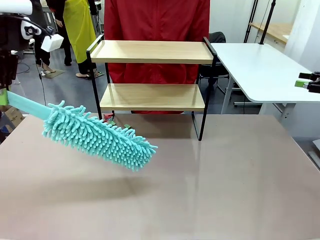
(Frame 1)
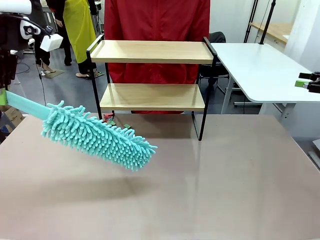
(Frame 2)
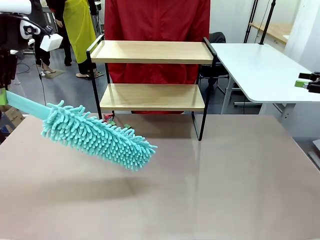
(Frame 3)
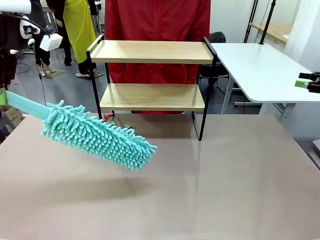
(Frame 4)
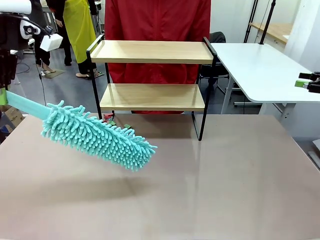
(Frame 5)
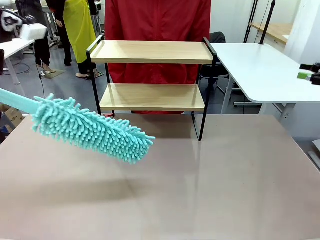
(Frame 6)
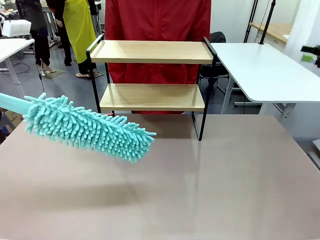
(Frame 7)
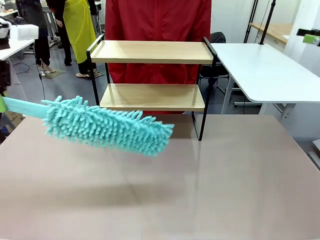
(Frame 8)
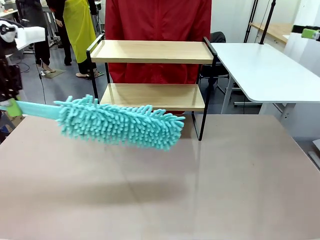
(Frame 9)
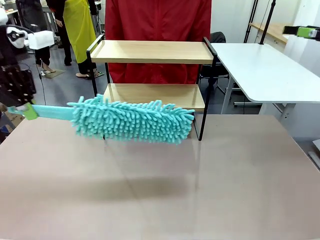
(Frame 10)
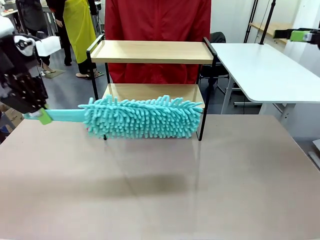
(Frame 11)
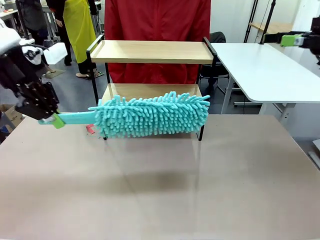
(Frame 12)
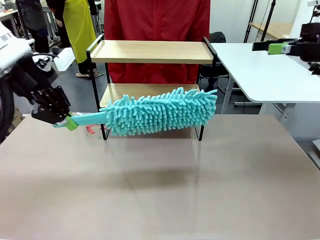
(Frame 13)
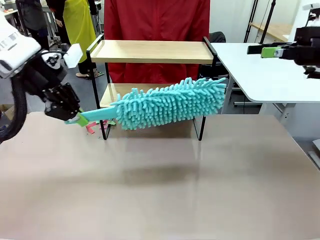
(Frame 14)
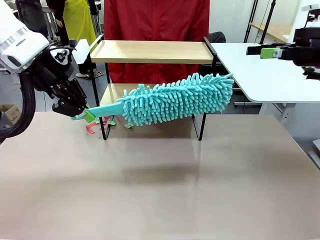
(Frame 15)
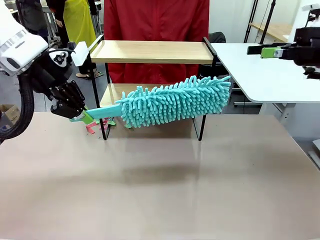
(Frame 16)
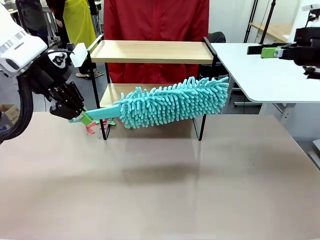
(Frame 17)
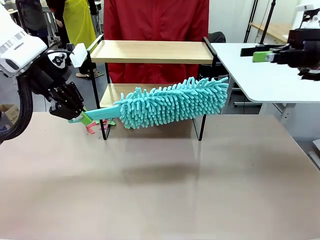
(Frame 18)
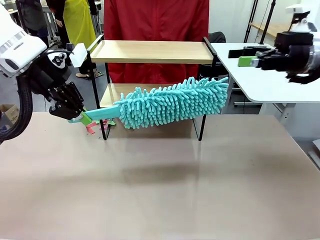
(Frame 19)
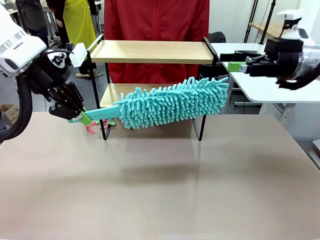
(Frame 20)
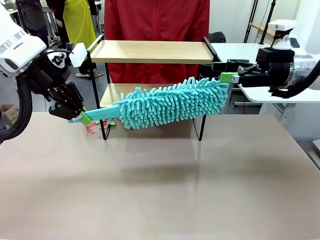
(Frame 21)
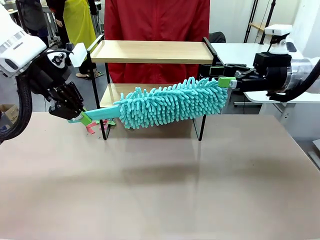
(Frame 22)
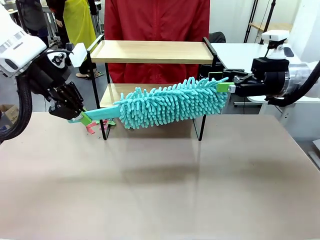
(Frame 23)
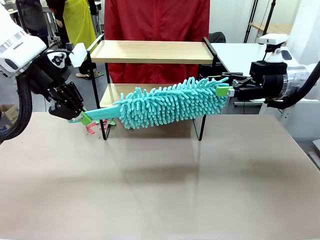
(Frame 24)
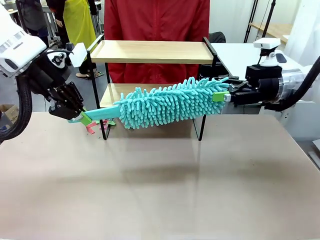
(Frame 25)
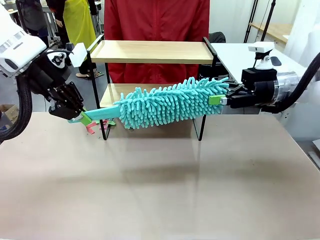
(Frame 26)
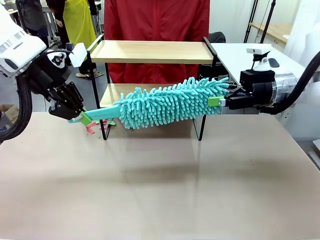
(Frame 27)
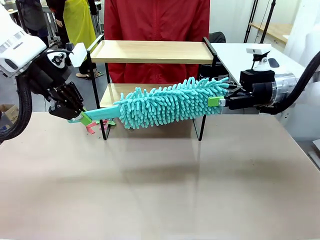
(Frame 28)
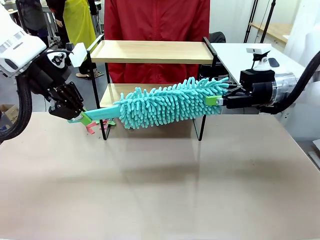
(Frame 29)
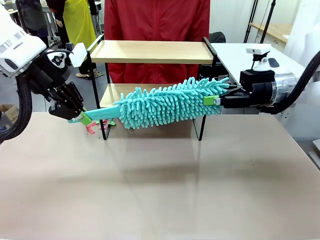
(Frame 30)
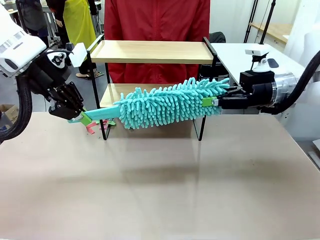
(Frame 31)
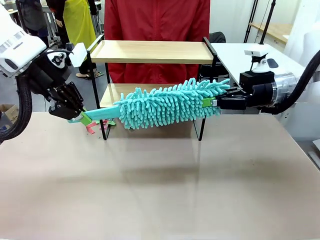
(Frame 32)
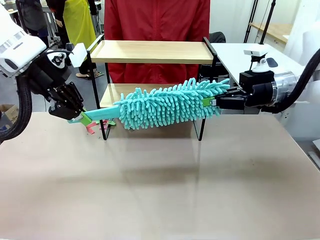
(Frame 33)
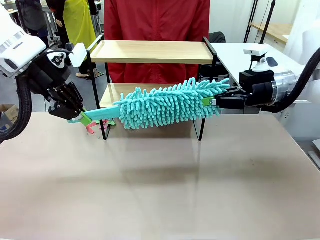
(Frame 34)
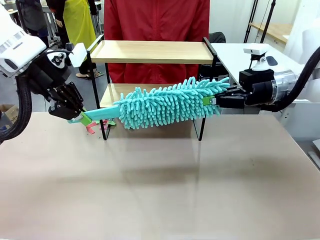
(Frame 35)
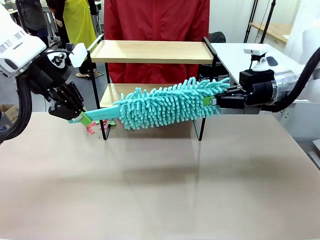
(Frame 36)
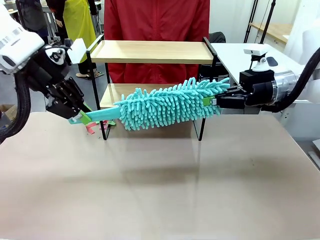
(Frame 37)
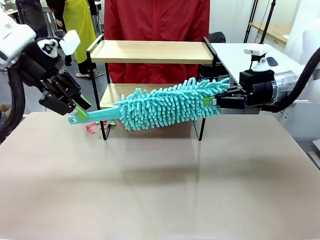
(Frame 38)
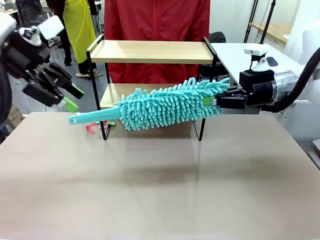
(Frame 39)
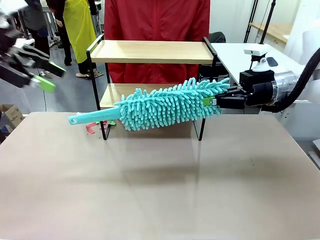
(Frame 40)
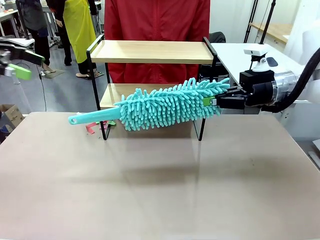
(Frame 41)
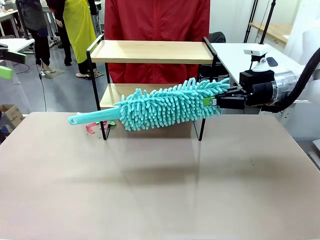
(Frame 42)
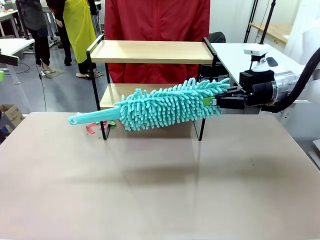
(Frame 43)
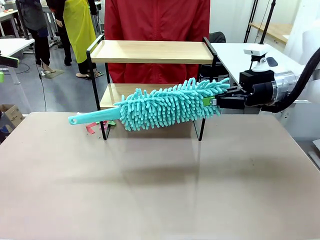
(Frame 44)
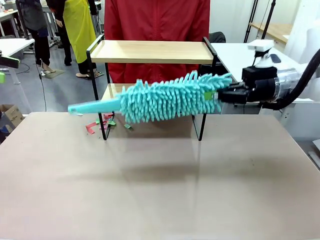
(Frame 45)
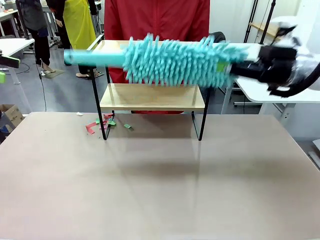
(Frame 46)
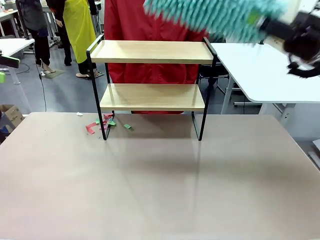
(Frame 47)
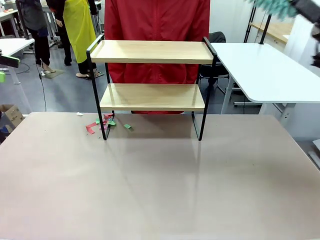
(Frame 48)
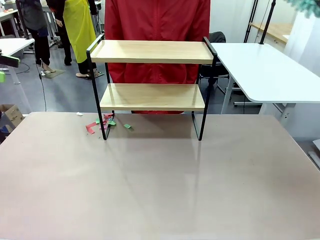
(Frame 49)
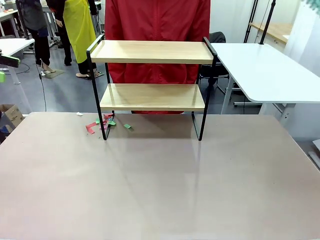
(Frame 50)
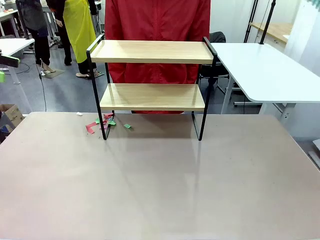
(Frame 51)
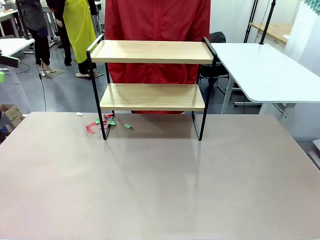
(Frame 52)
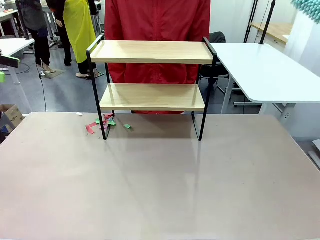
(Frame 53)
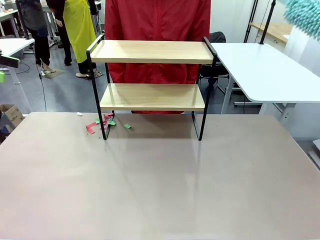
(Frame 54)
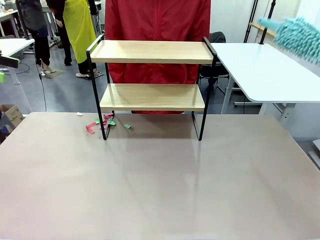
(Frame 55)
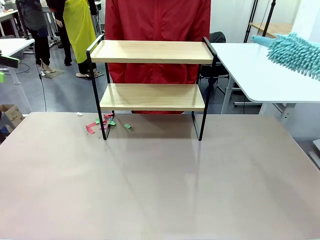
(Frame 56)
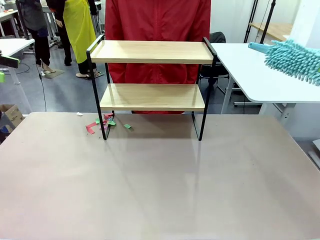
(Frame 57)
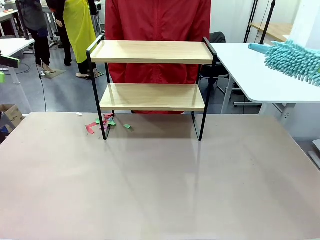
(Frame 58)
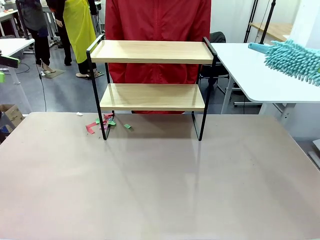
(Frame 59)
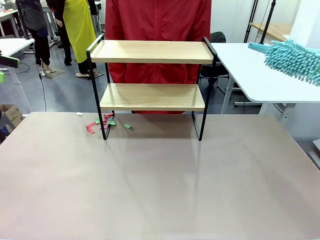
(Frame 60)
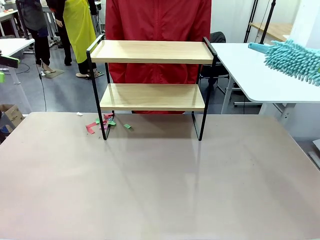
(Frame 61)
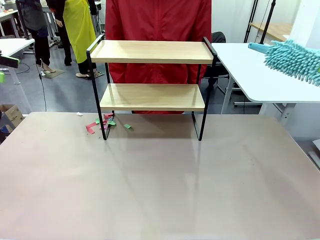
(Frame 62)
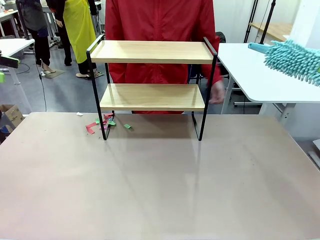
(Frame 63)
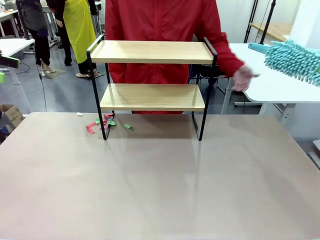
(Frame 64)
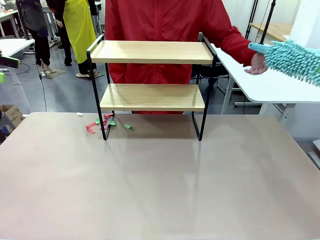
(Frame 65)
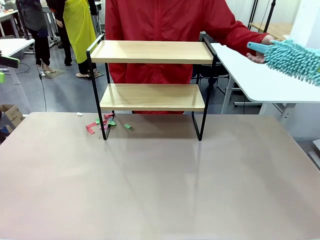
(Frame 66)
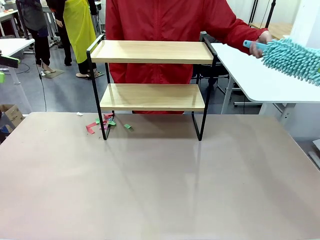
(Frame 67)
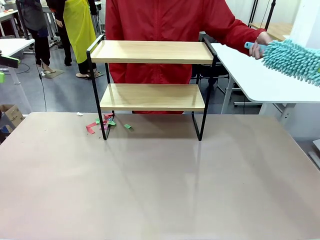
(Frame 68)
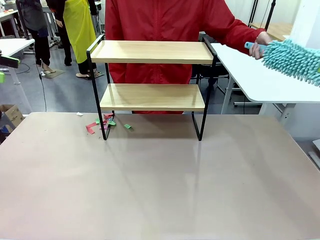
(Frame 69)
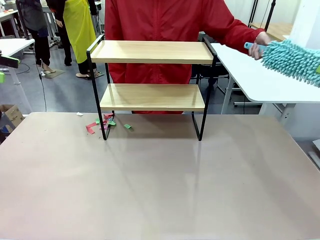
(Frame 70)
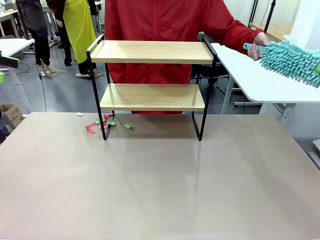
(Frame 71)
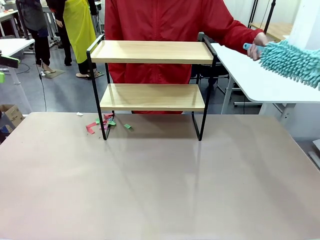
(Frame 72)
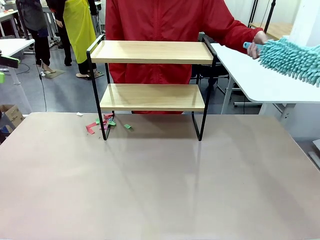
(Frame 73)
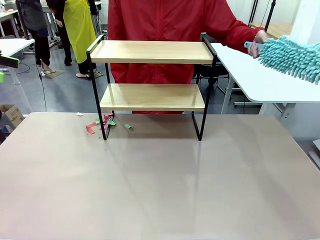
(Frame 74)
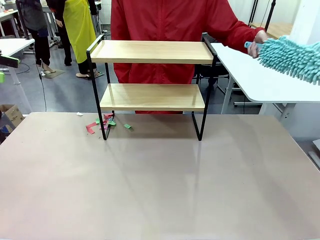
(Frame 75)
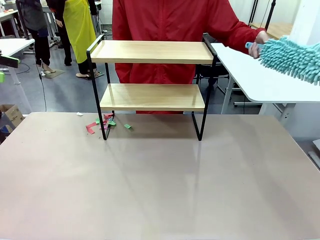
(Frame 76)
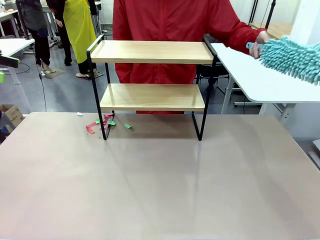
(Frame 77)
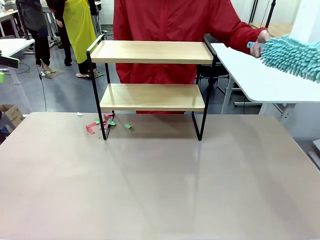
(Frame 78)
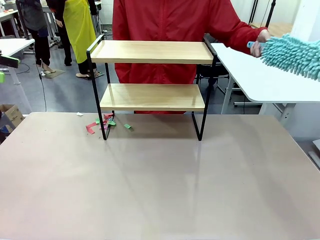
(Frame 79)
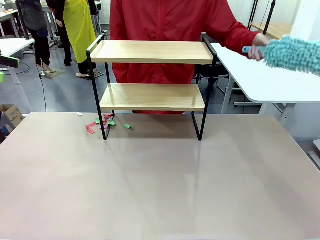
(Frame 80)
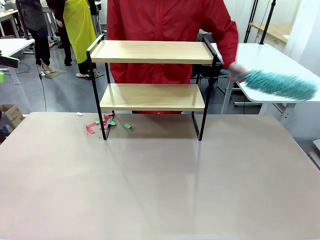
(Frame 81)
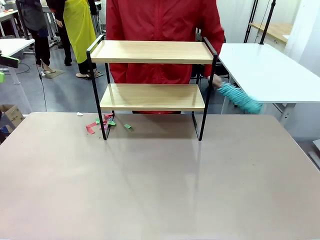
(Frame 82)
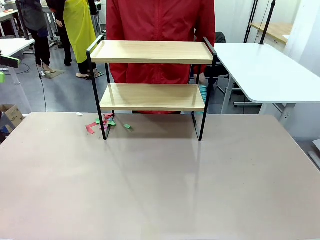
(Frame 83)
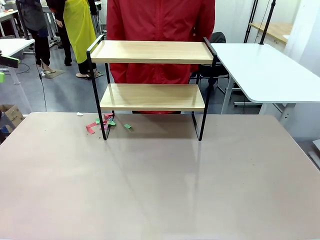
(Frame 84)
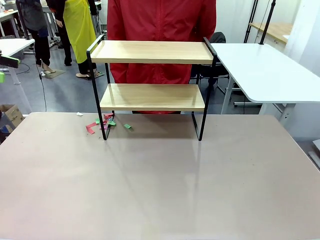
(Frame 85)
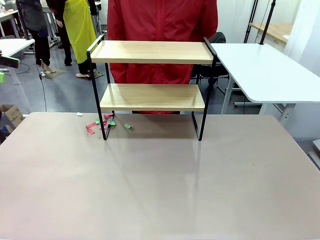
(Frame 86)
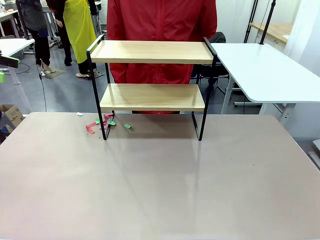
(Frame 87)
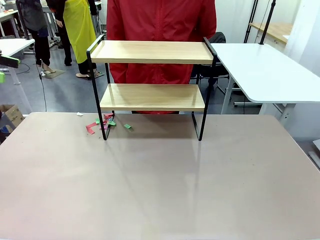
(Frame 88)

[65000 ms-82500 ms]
Task: Clean the shelf.
Robot: Hand the Duster back to the human.
Person: Receive the Duster from the robot.
